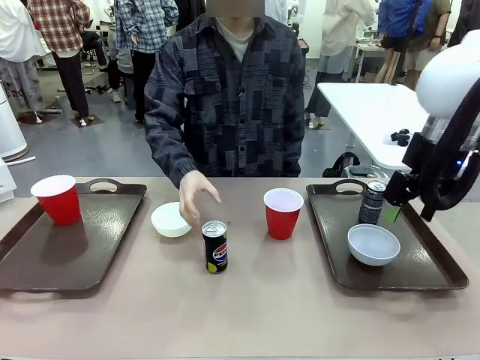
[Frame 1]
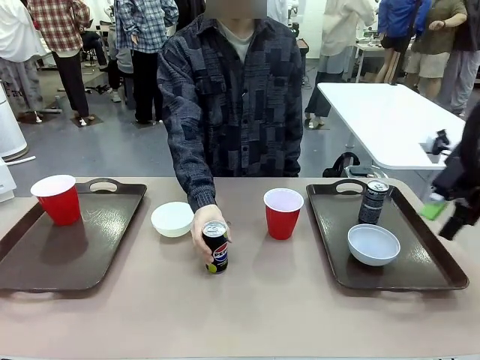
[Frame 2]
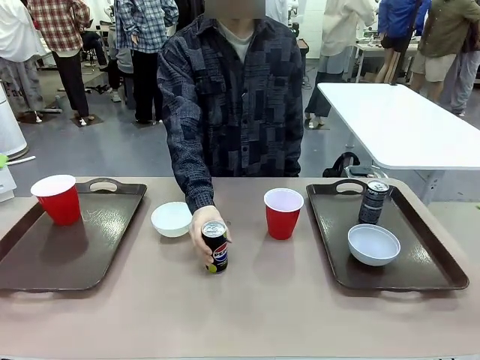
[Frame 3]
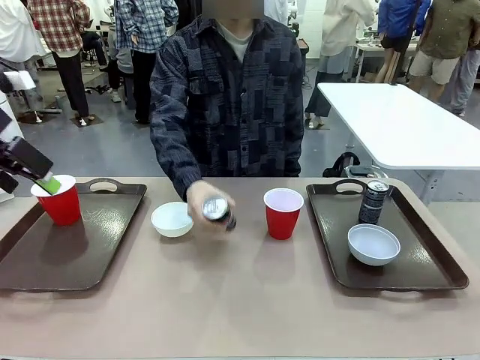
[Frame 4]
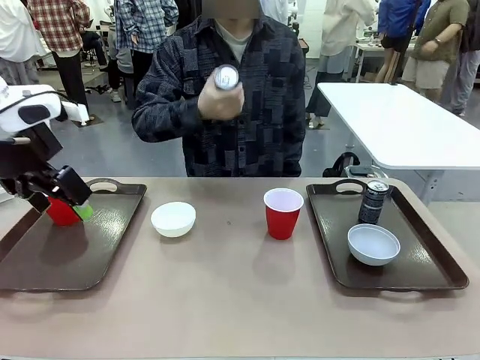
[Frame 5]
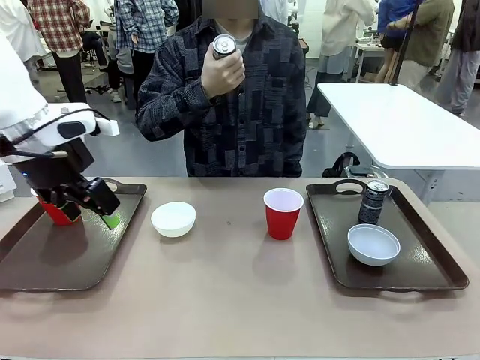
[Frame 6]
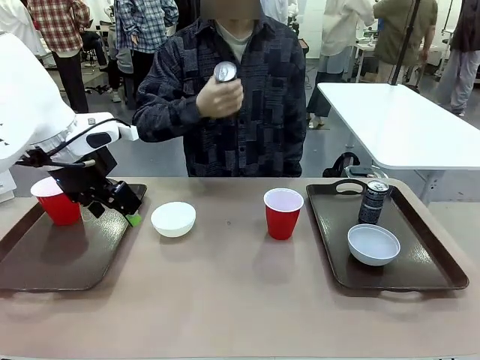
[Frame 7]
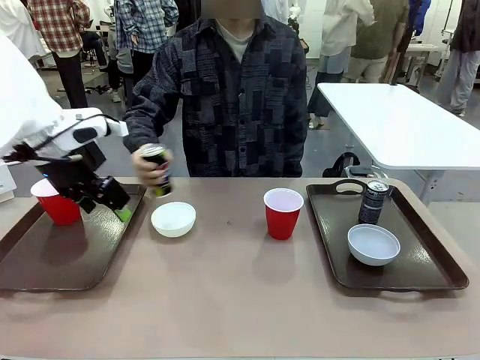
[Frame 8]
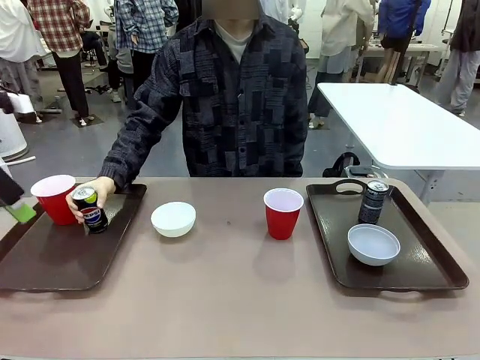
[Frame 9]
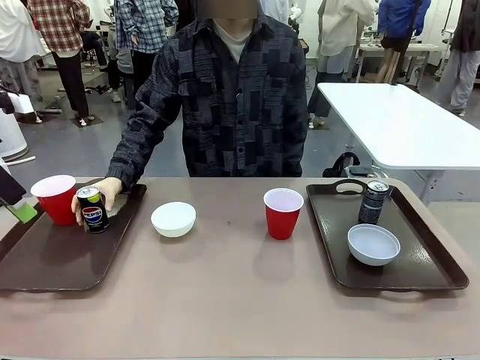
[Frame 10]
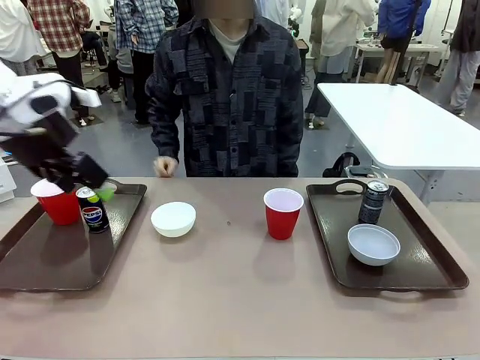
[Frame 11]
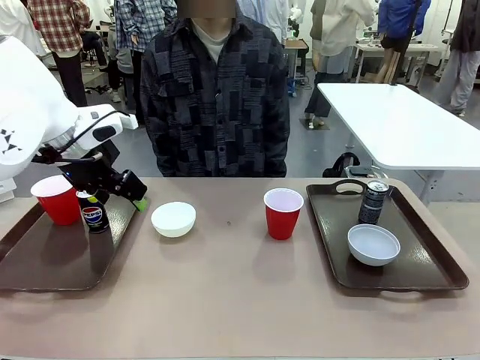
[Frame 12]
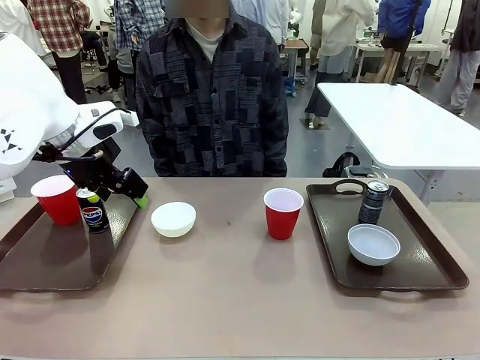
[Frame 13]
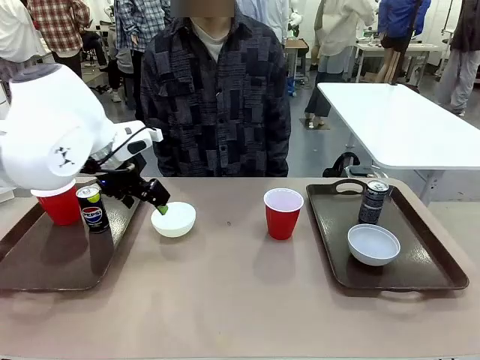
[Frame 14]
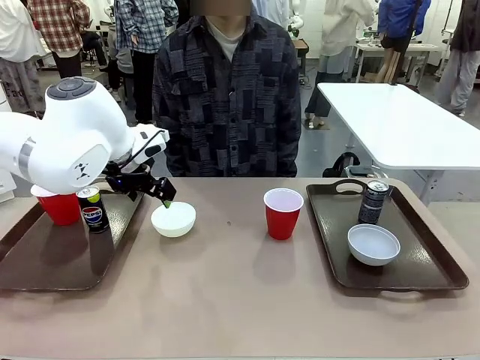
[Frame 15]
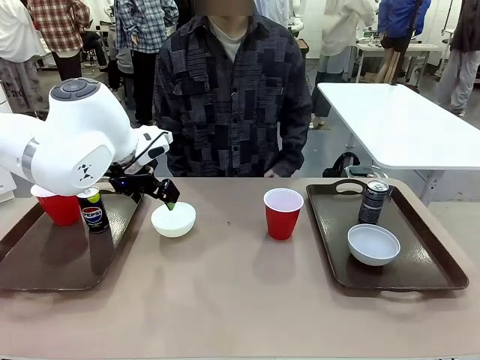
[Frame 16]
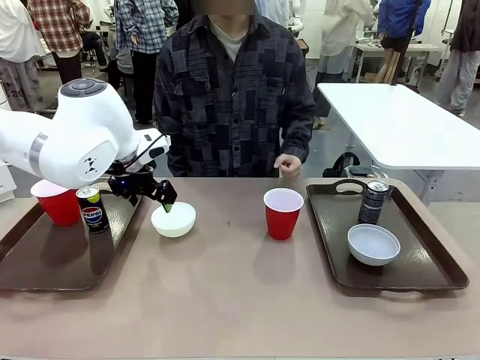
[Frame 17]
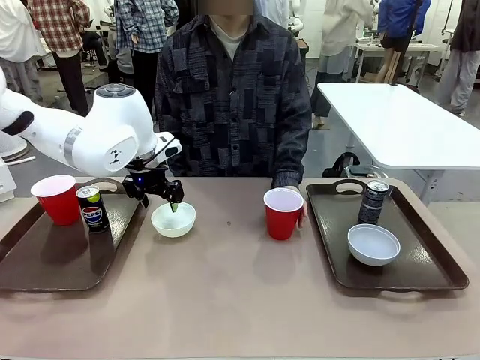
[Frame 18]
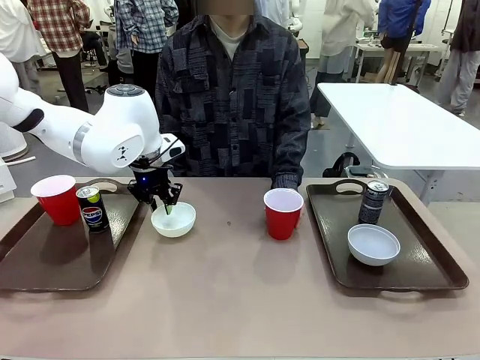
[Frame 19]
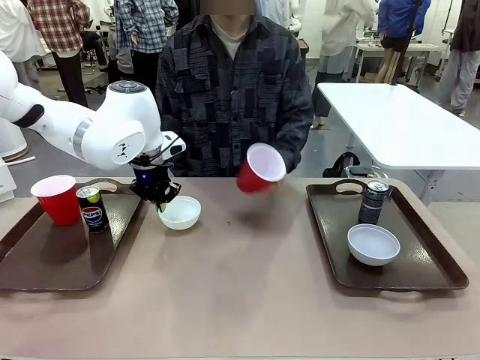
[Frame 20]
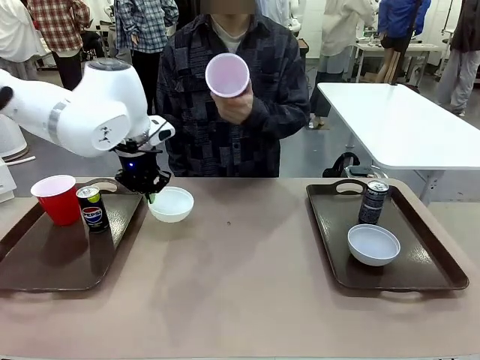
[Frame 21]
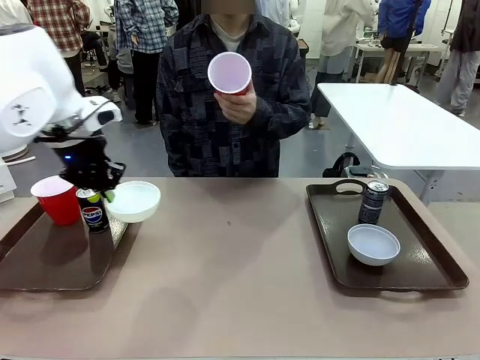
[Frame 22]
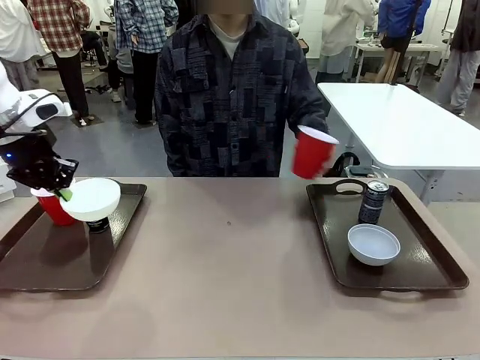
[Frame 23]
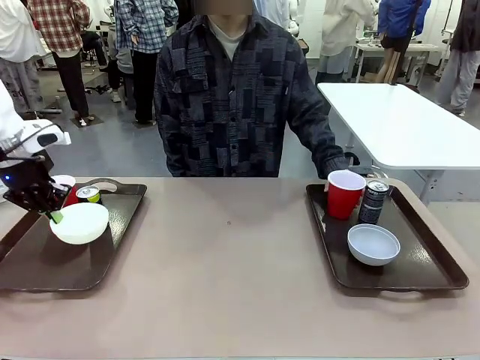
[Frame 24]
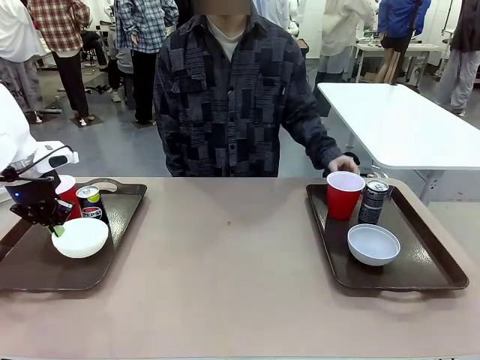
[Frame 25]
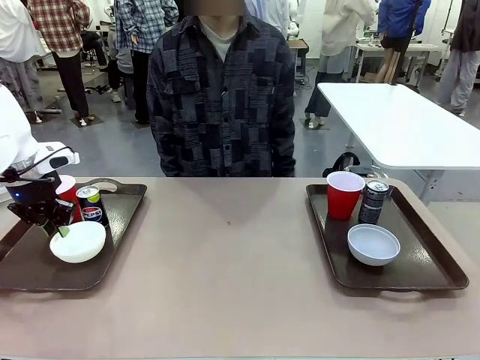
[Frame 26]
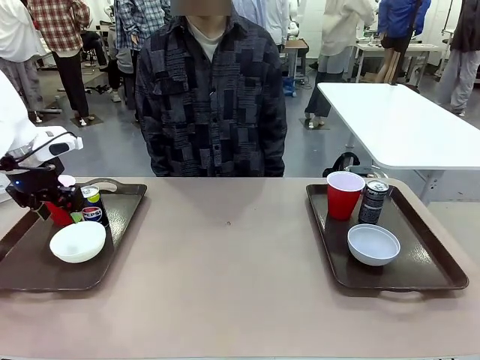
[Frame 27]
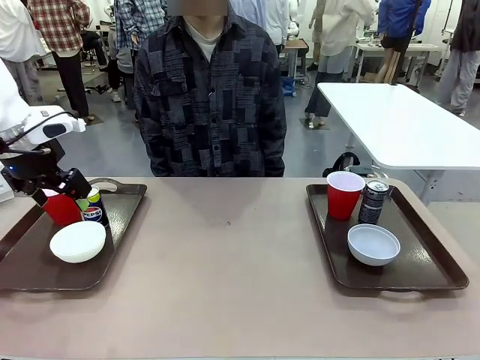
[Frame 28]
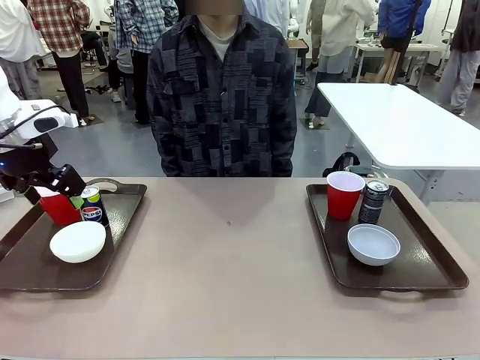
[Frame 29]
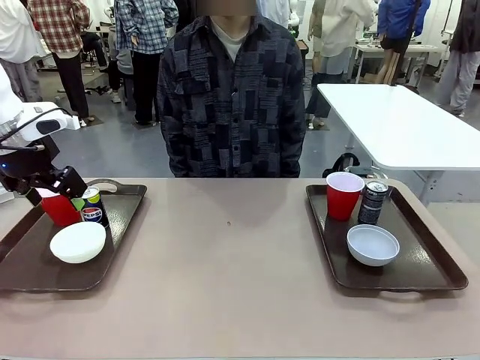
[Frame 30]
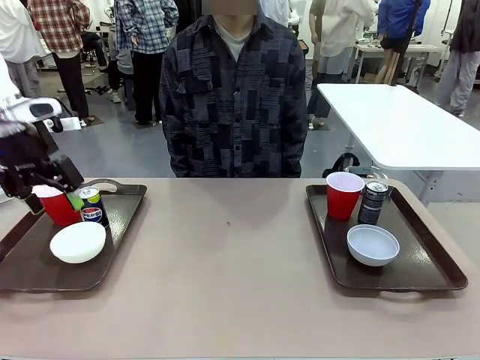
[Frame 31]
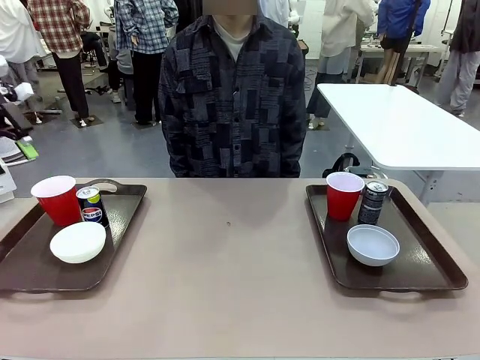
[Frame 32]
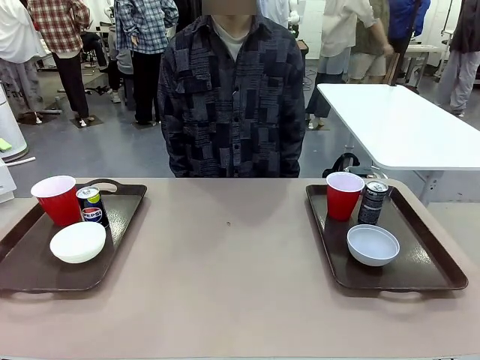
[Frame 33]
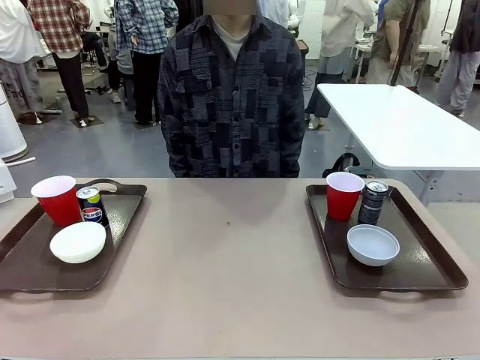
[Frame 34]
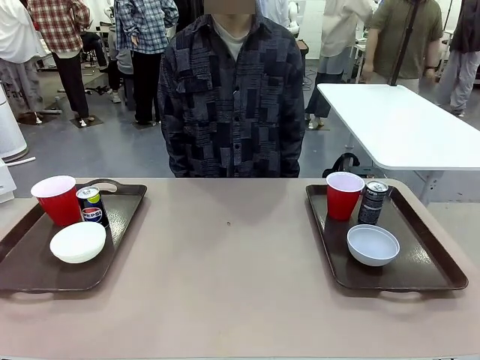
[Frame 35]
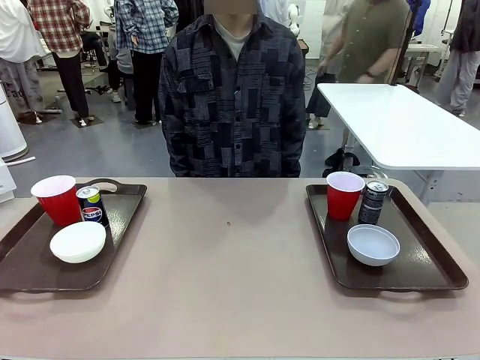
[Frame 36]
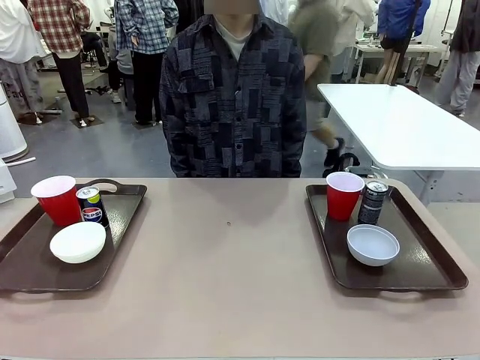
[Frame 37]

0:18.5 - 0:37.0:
Task: Prepare tableware on both trays.
Robot: Pick up a Picnic Bowl from the table and place it on a Handle tray.
Person: Pick up a can or cup and place it on the tray without a can or cup.
